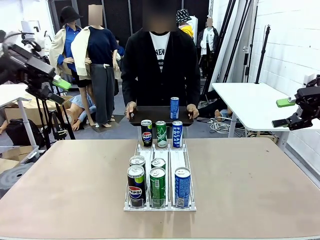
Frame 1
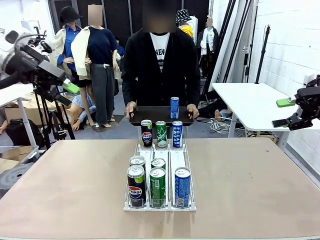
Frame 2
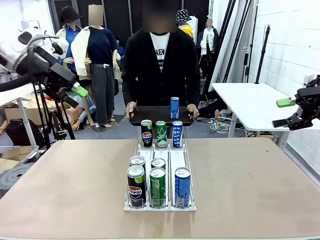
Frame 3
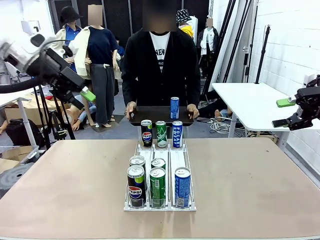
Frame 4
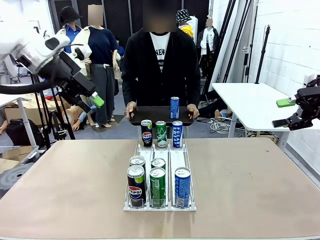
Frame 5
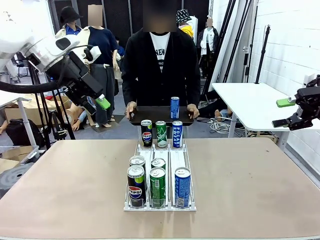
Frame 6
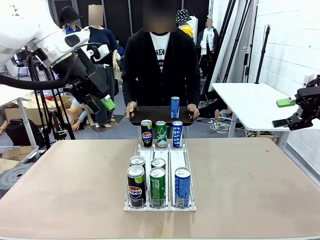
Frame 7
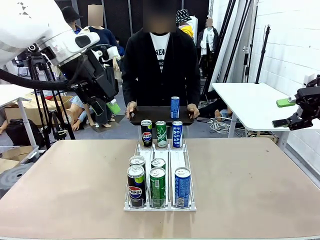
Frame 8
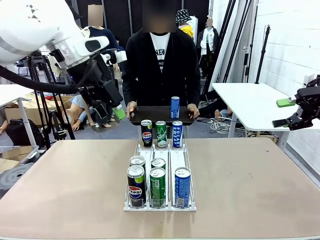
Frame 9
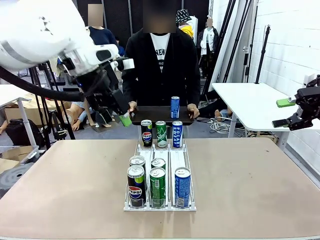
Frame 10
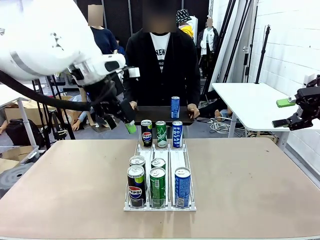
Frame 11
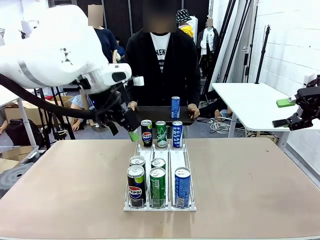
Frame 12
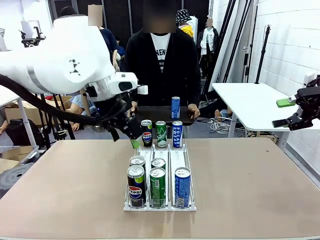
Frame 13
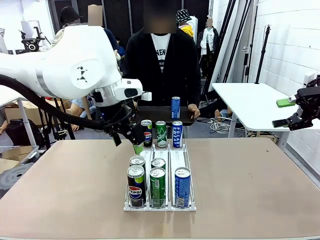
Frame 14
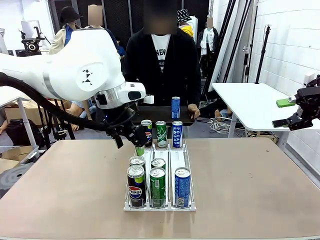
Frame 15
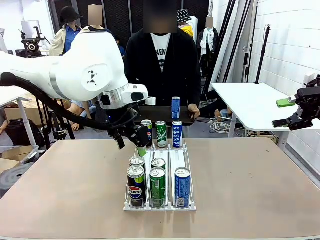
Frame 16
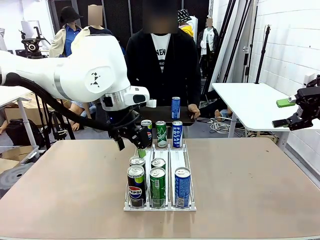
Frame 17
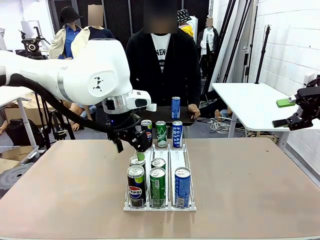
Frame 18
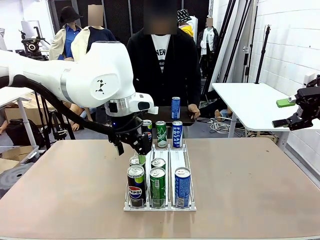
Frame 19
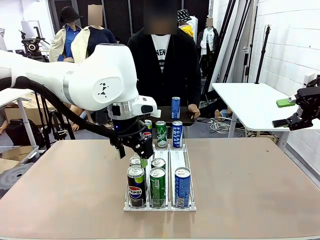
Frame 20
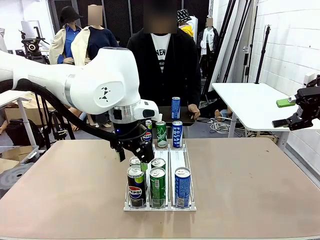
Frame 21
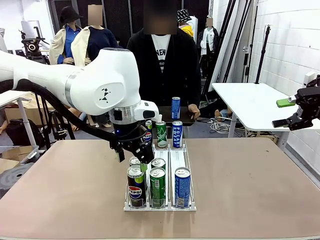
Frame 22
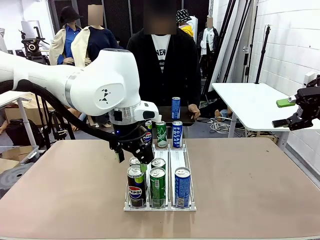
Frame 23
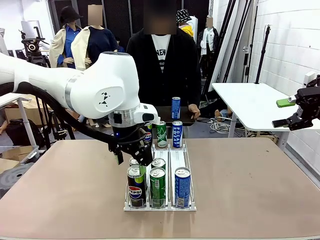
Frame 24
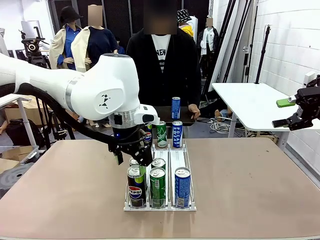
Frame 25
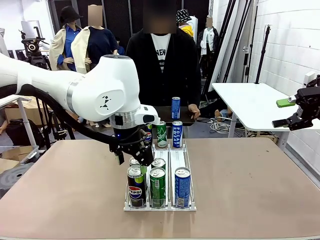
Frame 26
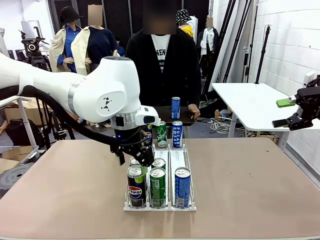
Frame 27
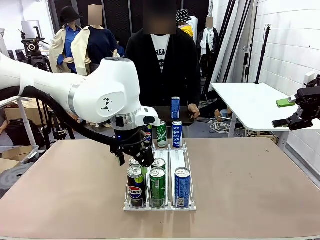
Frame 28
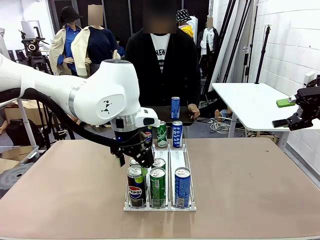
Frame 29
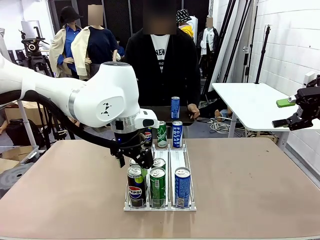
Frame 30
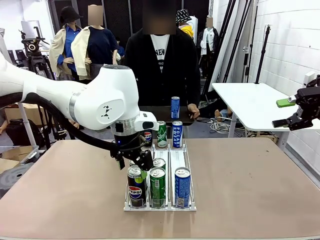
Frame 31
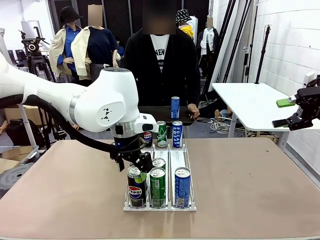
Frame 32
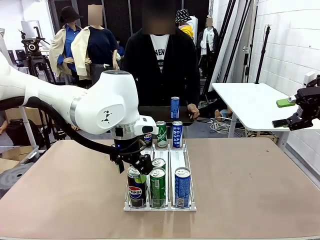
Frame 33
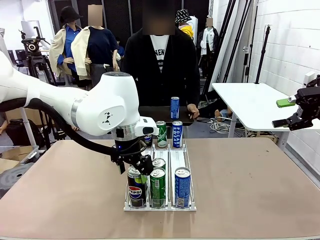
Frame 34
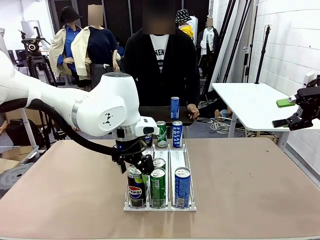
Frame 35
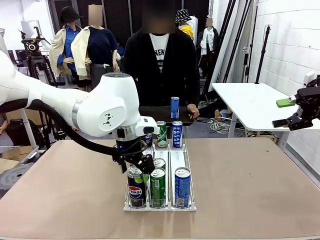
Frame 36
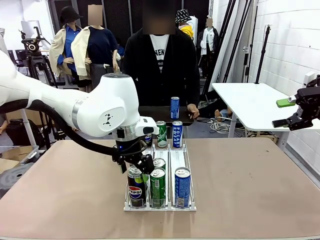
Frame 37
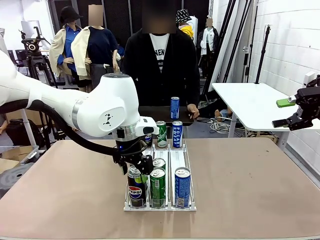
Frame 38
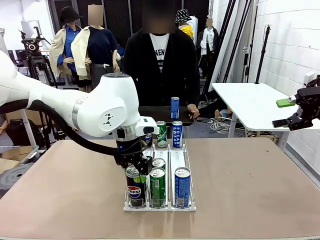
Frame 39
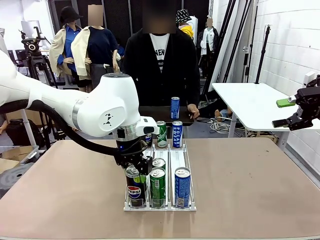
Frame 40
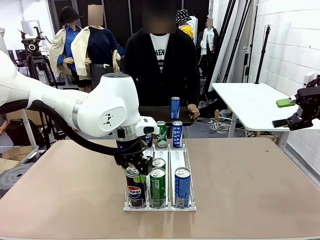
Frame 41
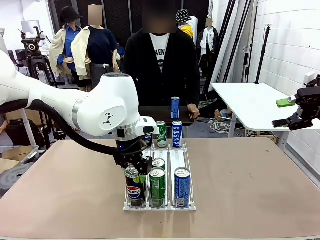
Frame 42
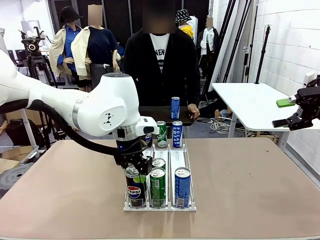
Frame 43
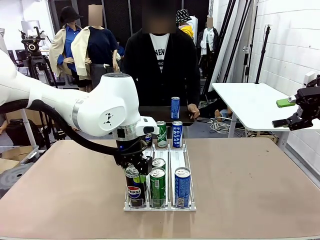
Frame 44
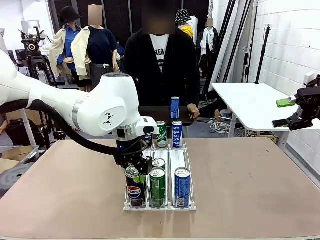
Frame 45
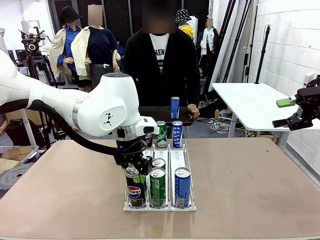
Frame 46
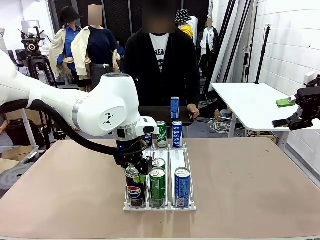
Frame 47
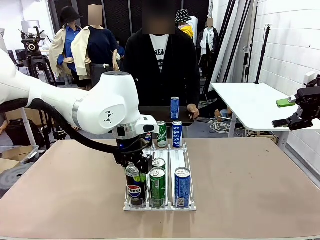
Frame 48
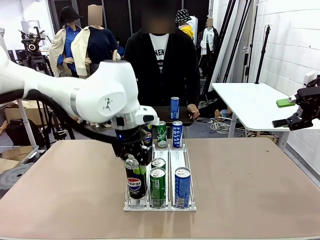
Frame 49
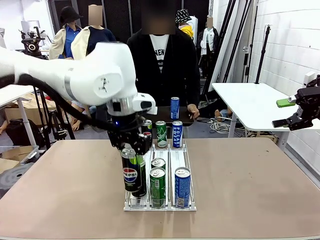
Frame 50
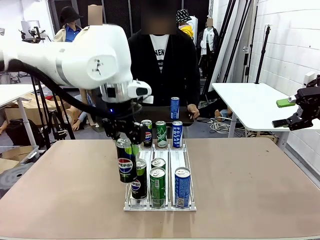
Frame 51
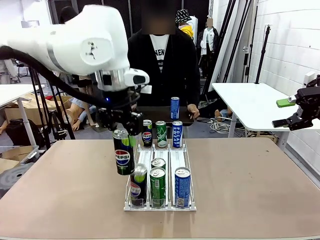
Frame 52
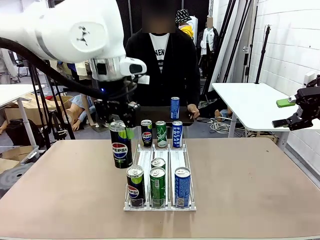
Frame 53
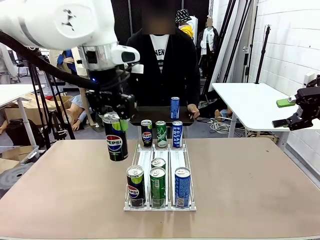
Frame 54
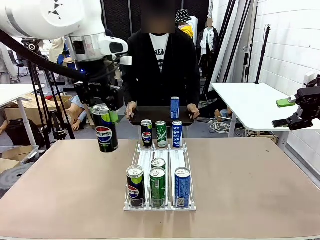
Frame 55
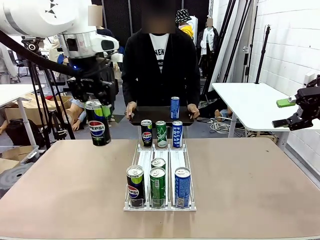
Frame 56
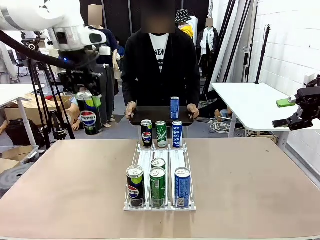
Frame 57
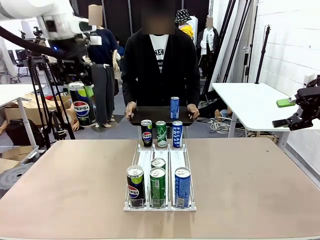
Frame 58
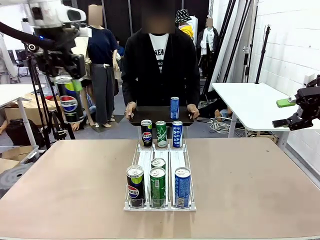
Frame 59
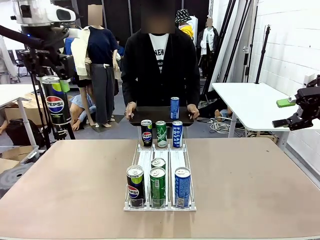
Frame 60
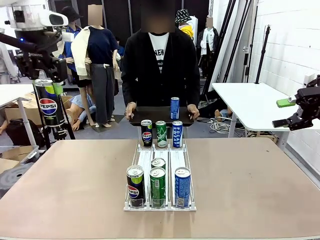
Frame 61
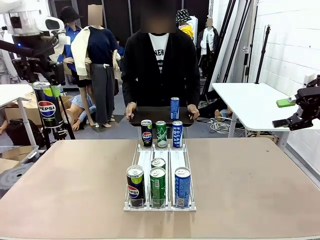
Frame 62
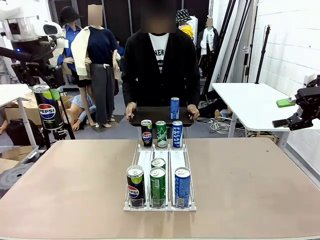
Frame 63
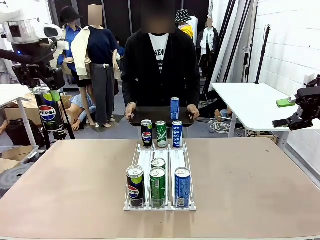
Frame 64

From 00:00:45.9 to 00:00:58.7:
Task: Retrieve and hand over the desired beverage to the person.
Robot: Pick up another can of the same type that the person held from the Automatic Can Dispenser.
Person: Push the tray toward the robot again.
